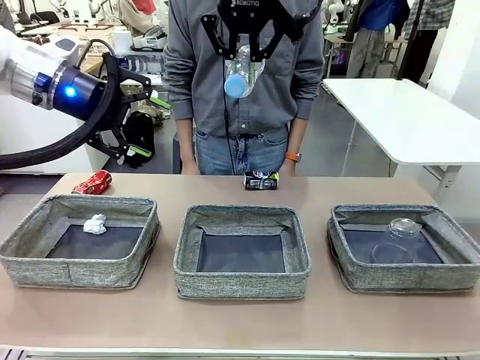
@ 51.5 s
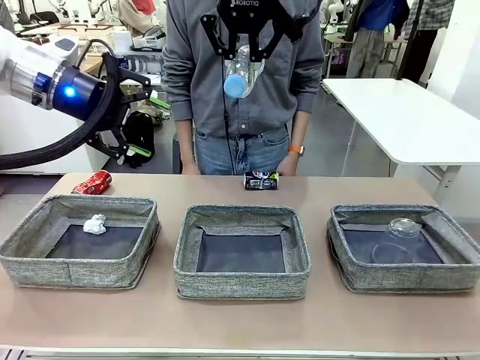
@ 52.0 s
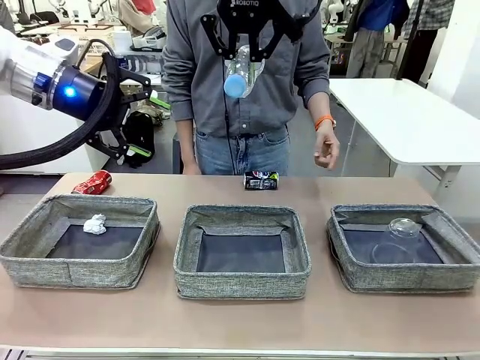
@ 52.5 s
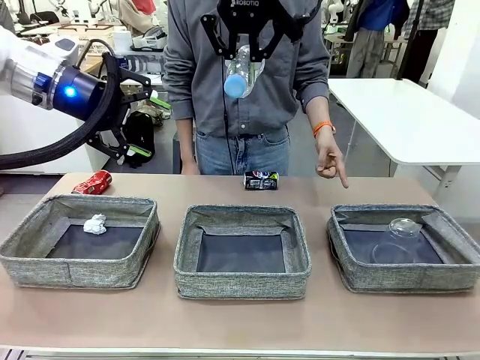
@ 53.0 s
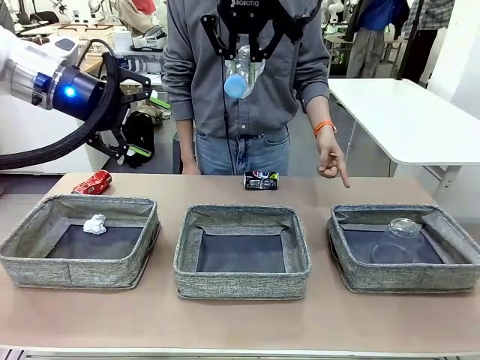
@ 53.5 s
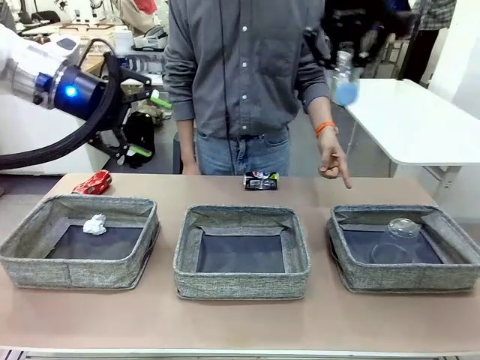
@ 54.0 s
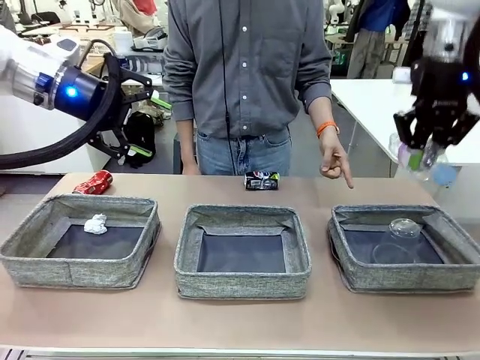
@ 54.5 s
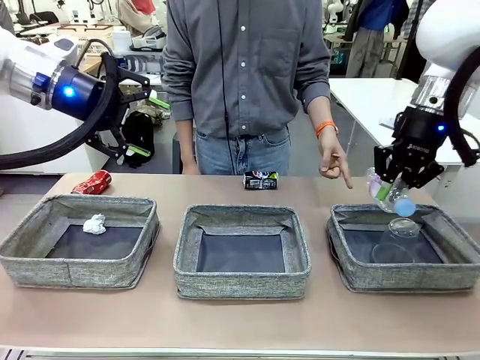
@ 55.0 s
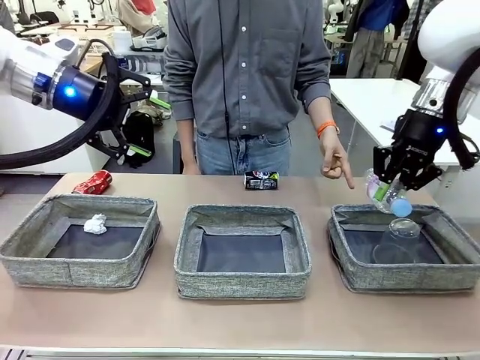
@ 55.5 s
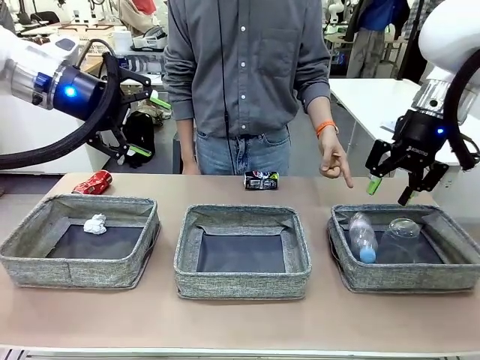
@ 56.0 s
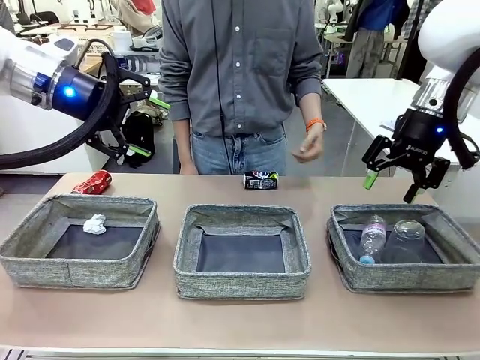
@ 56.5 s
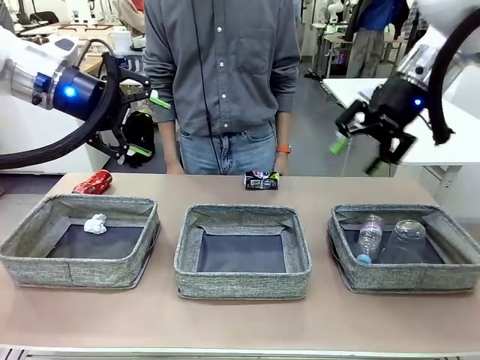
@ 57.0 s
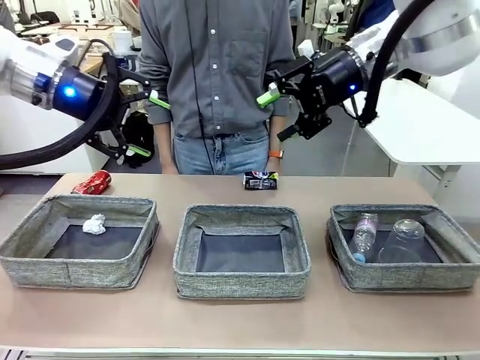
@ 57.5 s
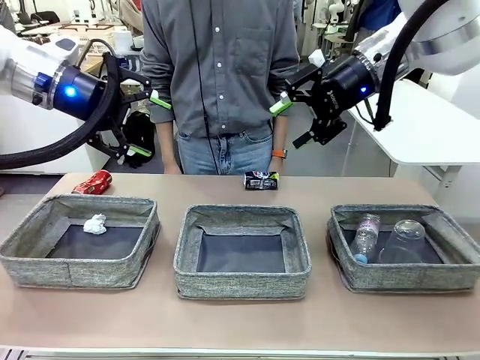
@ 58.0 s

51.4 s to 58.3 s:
Task: Sort the waste into the appropriate baskets.
Robot: Place the picked waste into the Fabric basket indicated by the person.
Person: Instructs the robot to place the picked-up trash into the appropriate organizing basket.

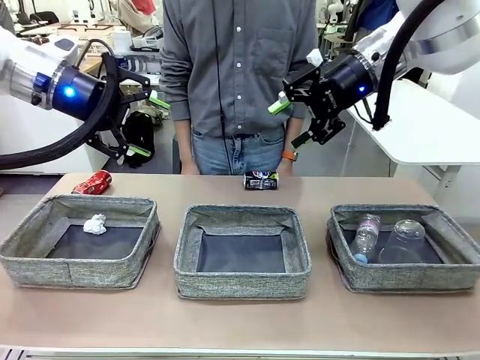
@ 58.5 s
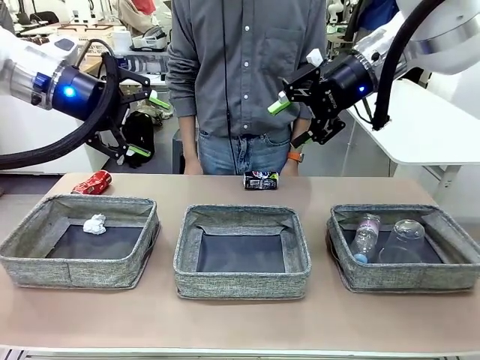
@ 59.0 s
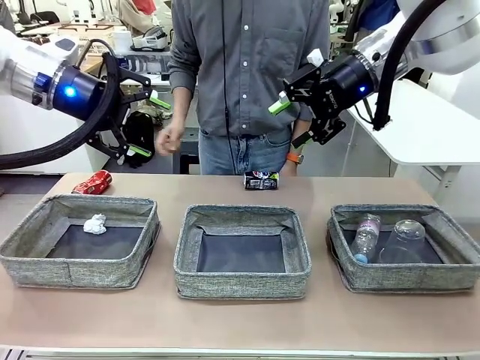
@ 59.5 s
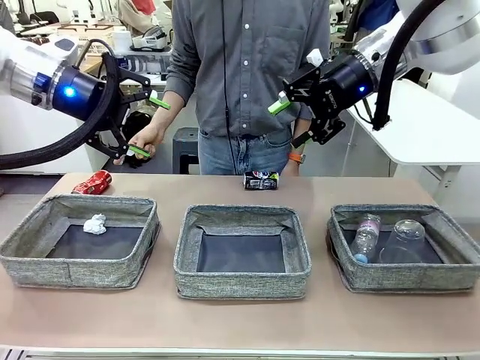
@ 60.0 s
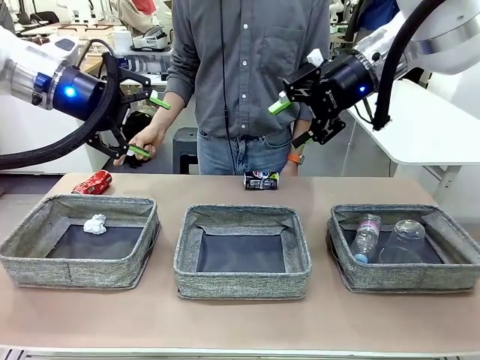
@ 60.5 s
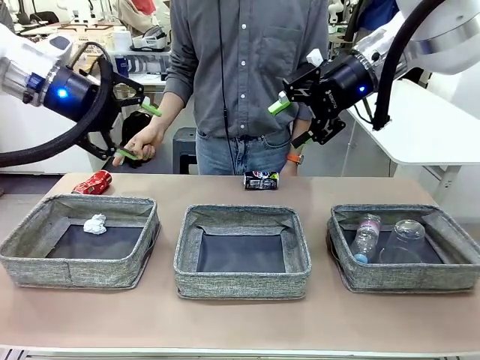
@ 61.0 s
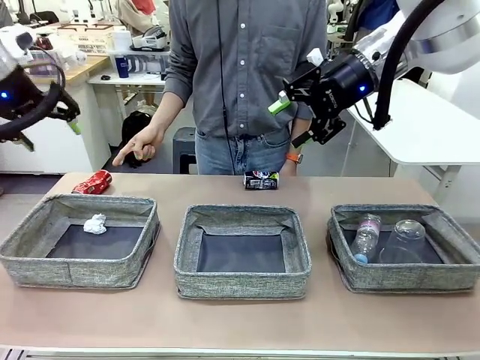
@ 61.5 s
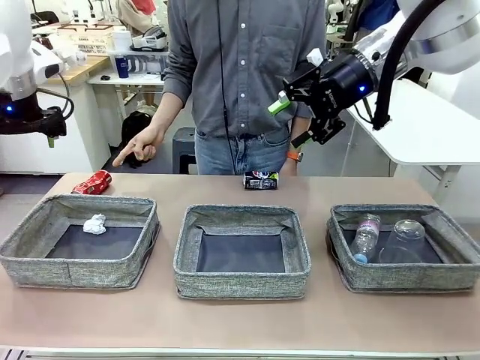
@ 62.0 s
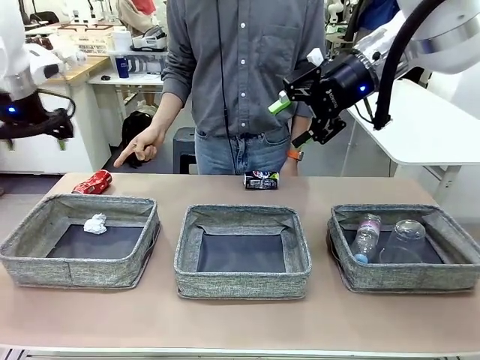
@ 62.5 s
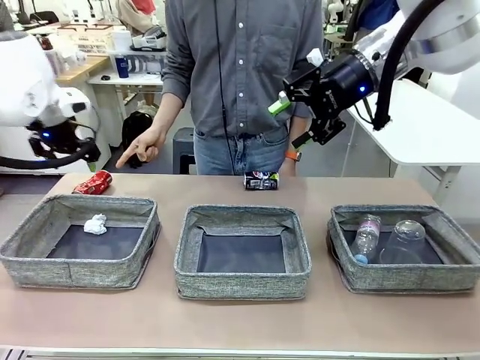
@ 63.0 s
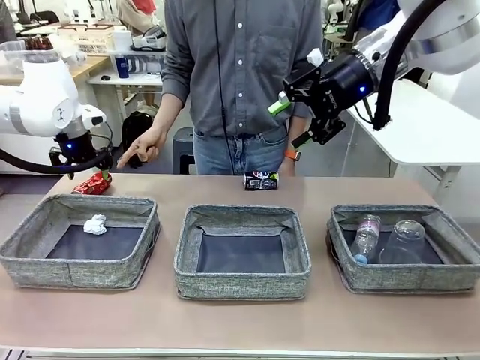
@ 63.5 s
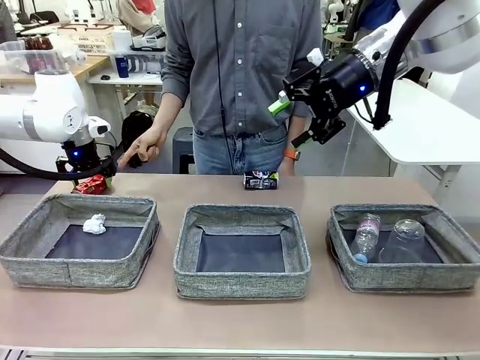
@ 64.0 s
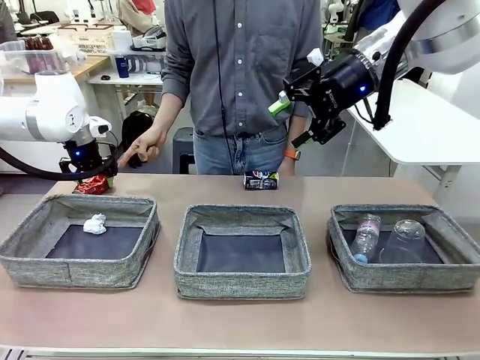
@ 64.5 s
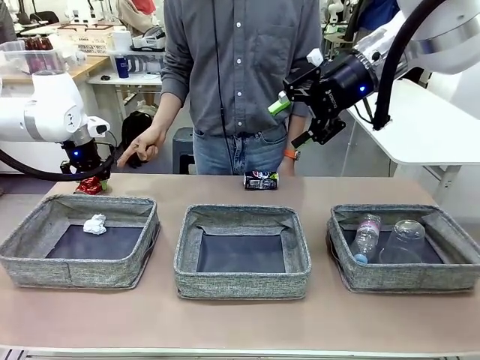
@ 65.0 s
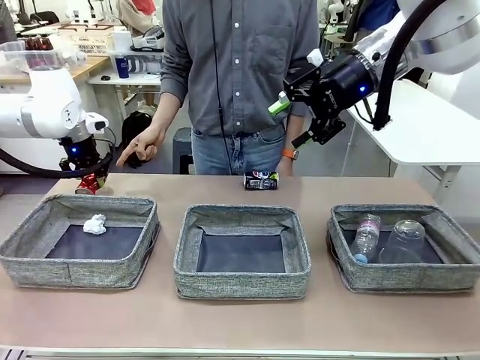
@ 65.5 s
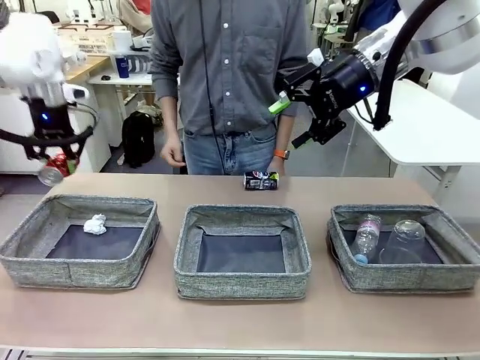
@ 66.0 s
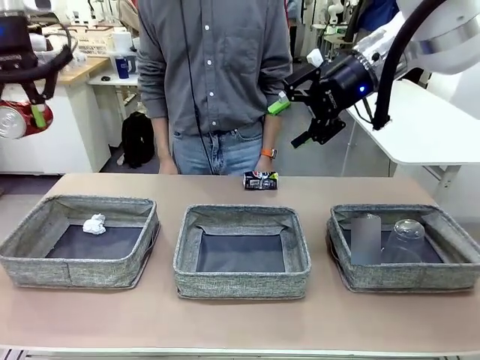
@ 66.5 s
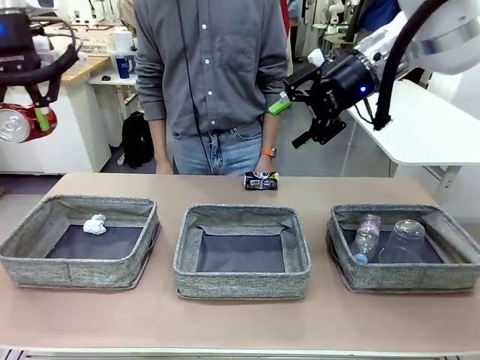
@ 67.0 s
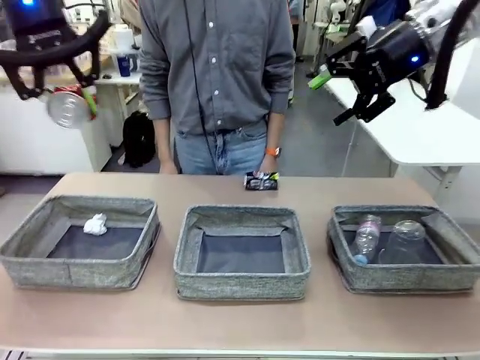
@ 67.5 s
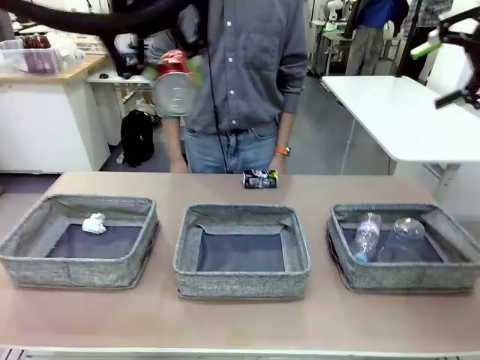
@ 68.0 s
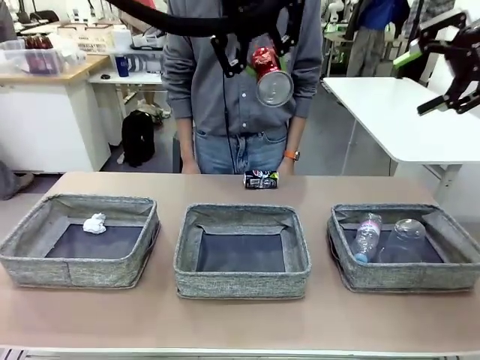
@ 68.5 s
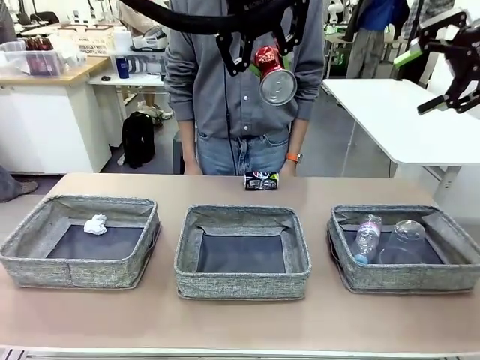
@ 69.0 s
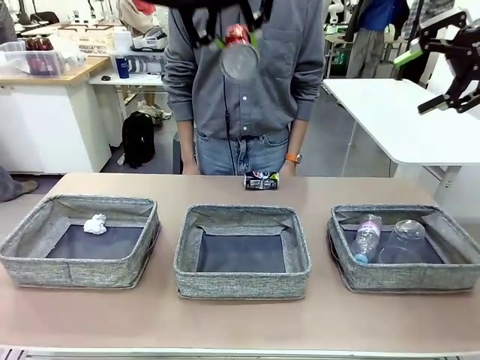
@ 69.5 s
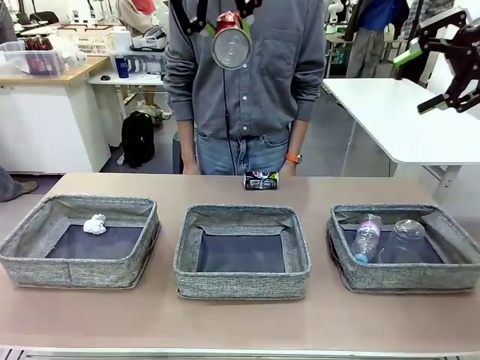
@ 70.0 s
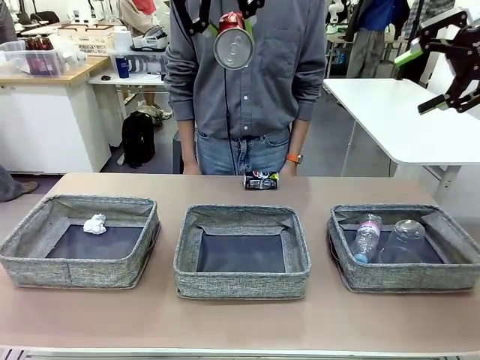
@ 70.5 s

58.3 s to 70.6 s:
Robot: Pick up the waste item pointed out by the person.
Person: Points to one piece of trash on the table.

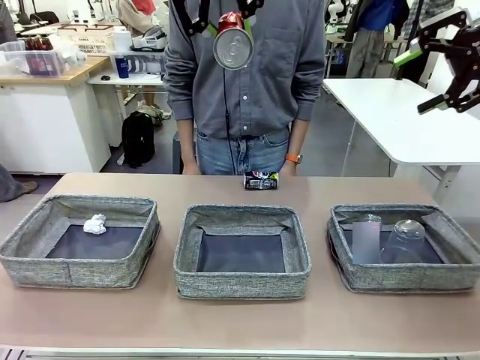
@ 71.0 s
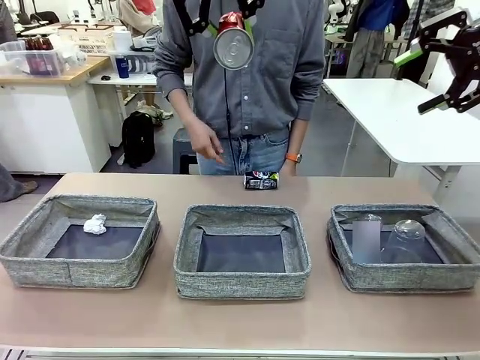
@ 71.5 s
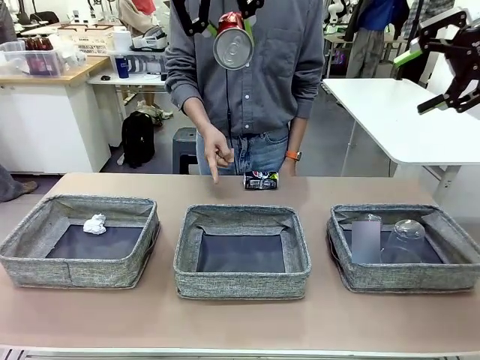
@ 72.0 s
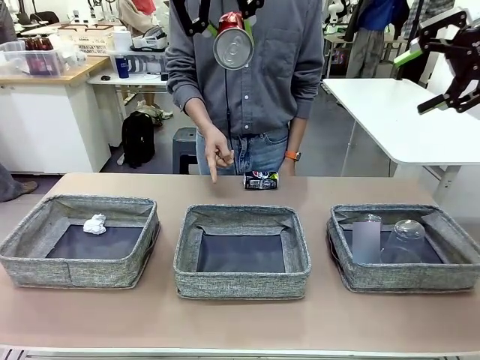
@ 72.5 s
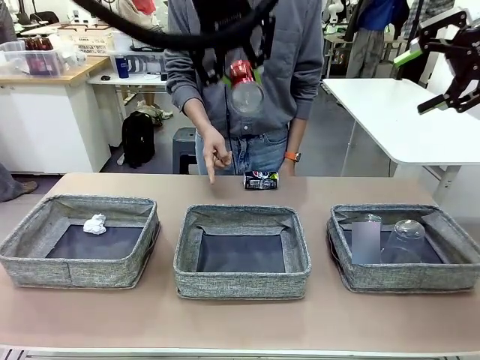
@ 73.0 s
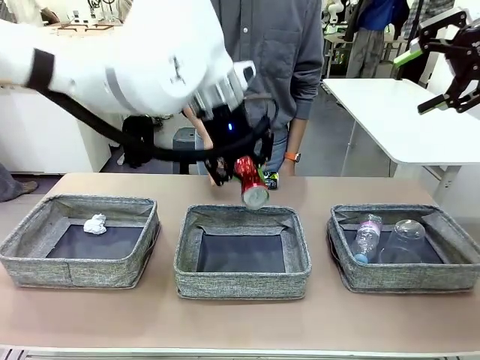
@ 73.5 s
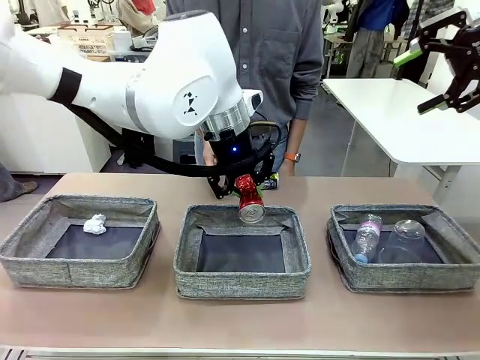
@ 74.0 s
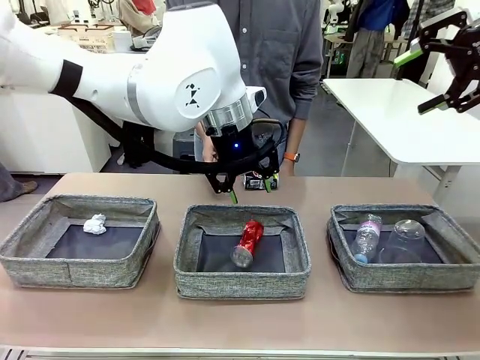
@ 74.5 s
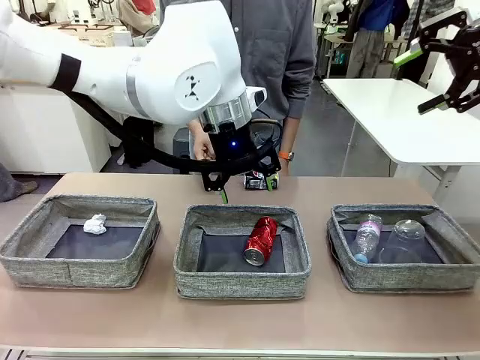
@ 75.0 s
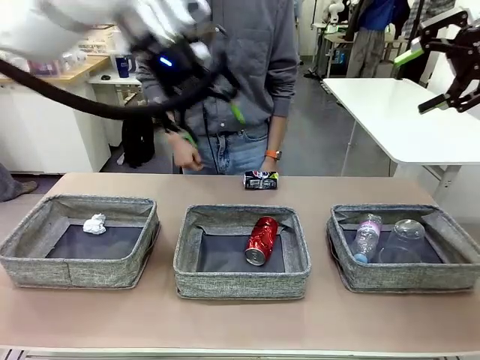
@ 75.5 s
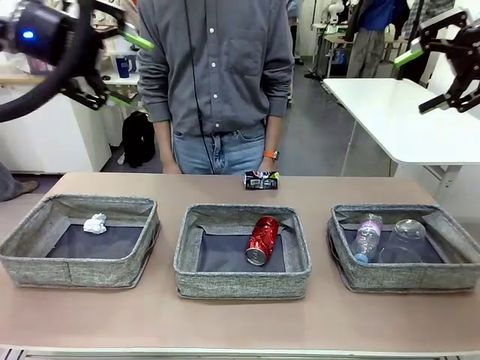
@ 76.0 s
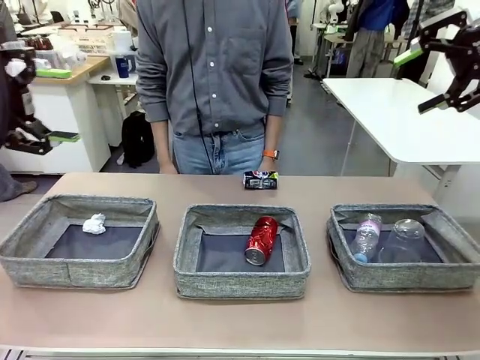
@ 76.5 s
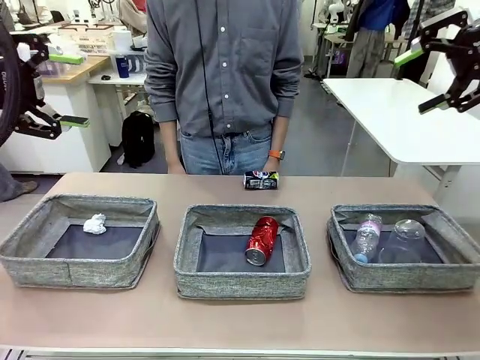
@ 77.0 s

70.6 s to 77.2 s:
Robot: Place the picked waste into the Fabric basket indicated by the person.
Person: Instructs the robot to place the picked-up trash into the appropriate organizing basket.
